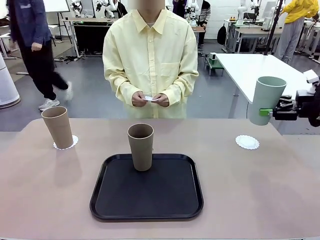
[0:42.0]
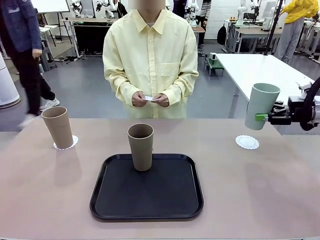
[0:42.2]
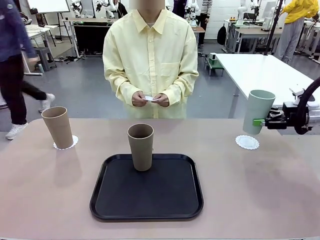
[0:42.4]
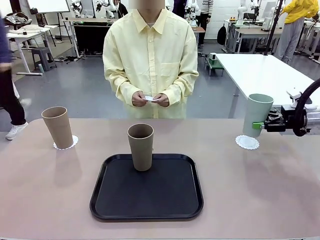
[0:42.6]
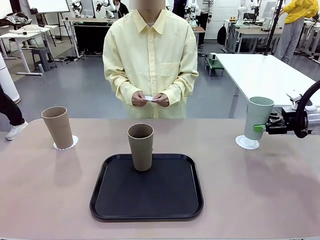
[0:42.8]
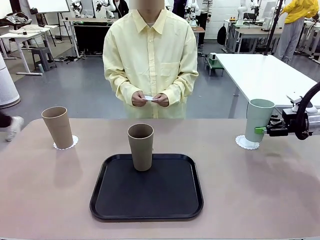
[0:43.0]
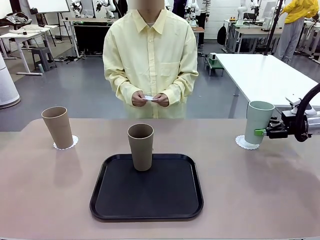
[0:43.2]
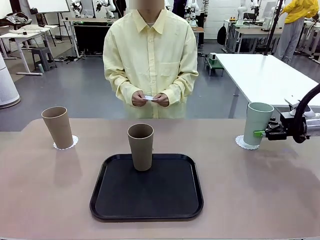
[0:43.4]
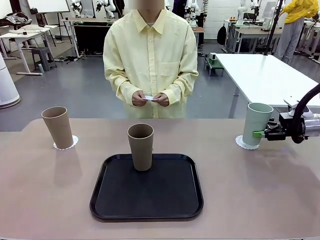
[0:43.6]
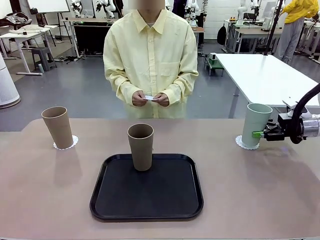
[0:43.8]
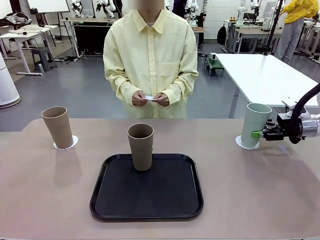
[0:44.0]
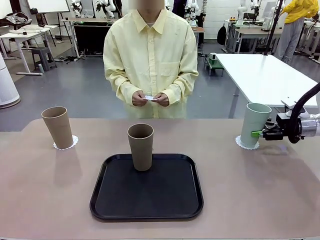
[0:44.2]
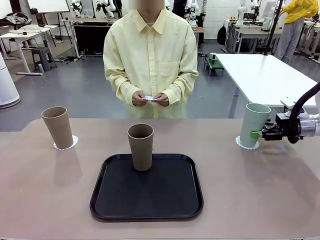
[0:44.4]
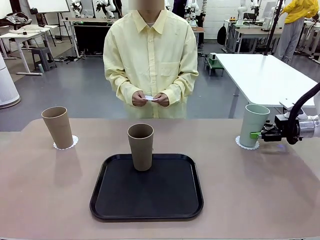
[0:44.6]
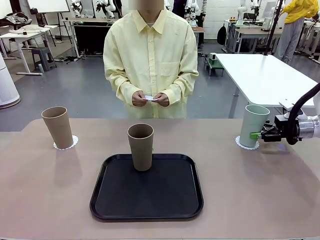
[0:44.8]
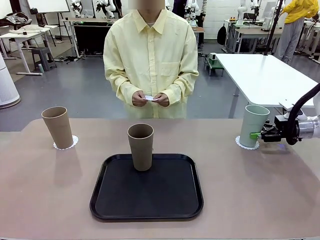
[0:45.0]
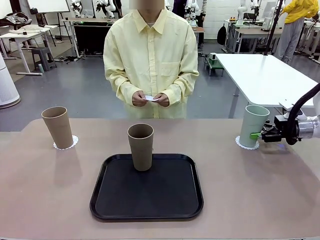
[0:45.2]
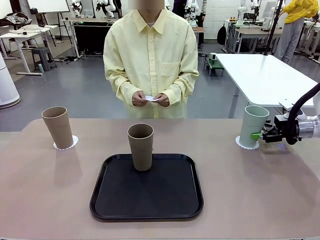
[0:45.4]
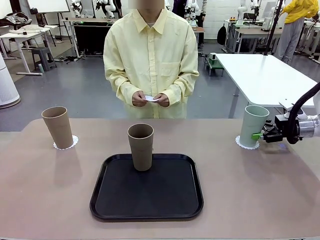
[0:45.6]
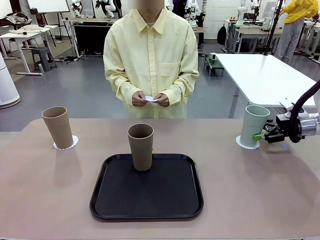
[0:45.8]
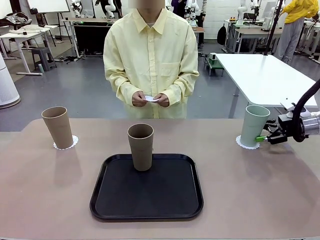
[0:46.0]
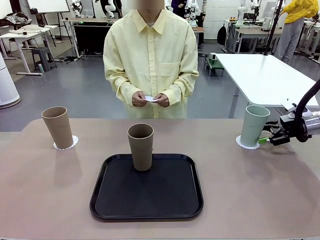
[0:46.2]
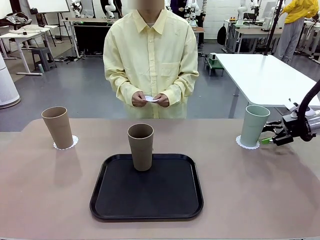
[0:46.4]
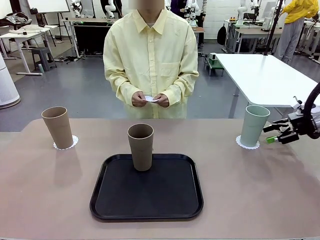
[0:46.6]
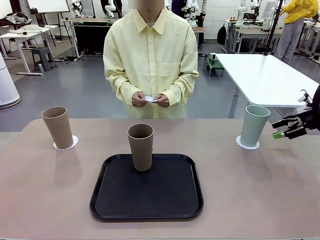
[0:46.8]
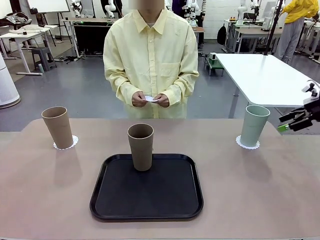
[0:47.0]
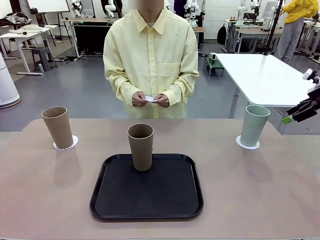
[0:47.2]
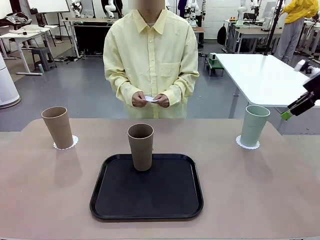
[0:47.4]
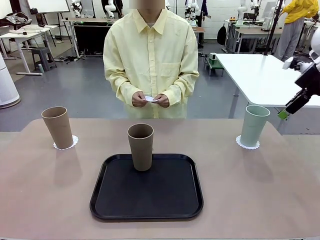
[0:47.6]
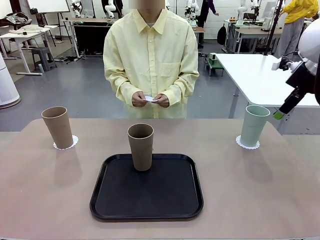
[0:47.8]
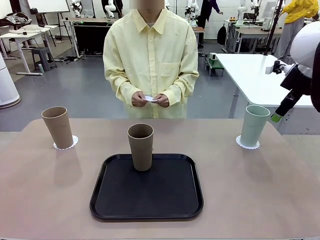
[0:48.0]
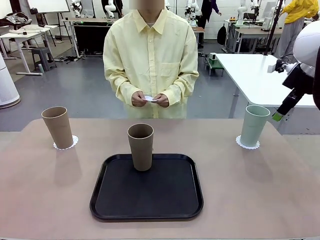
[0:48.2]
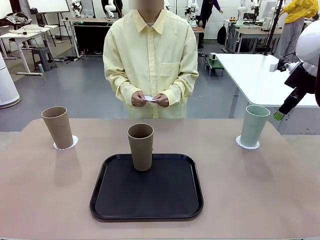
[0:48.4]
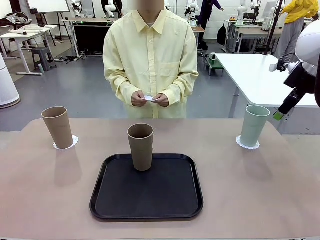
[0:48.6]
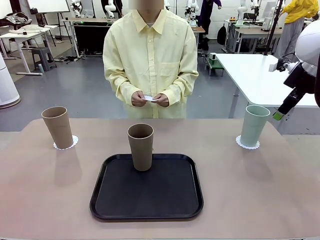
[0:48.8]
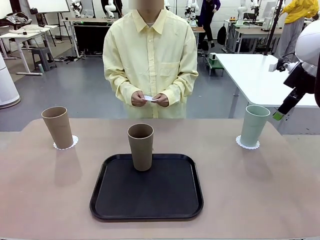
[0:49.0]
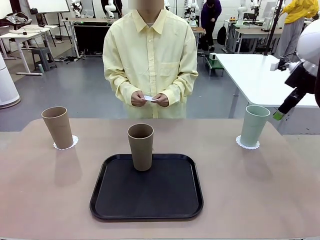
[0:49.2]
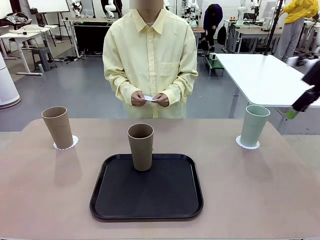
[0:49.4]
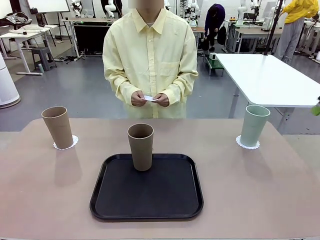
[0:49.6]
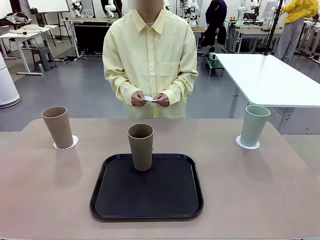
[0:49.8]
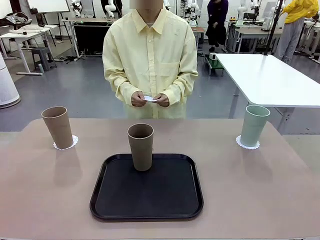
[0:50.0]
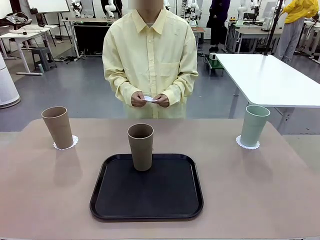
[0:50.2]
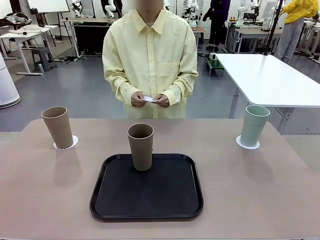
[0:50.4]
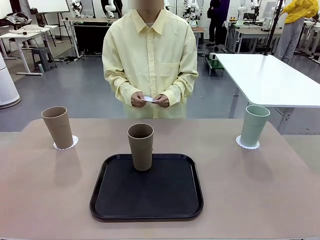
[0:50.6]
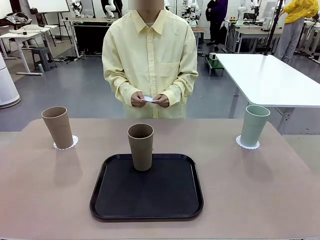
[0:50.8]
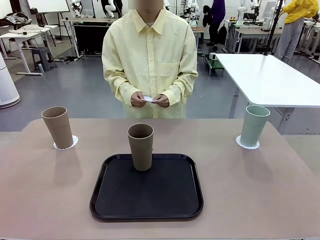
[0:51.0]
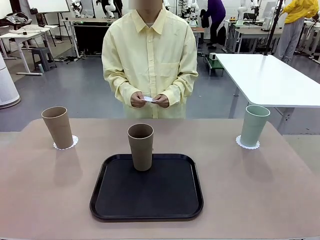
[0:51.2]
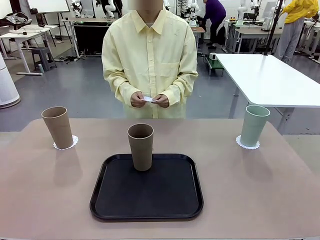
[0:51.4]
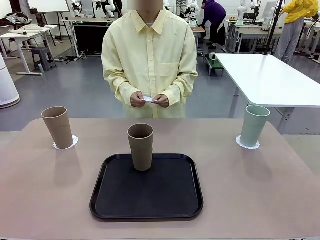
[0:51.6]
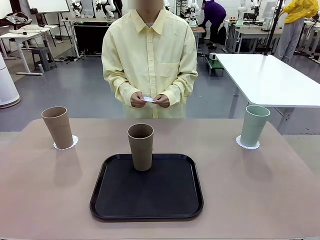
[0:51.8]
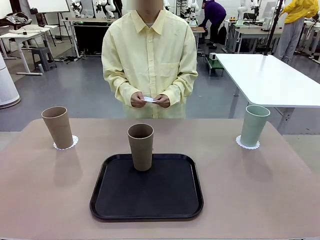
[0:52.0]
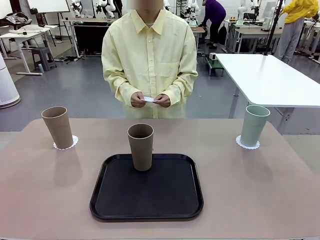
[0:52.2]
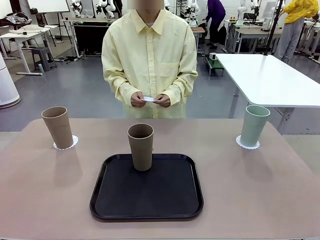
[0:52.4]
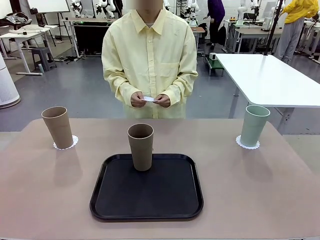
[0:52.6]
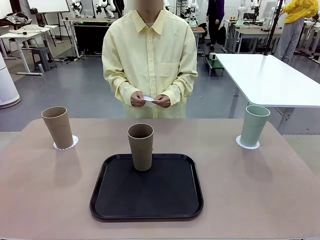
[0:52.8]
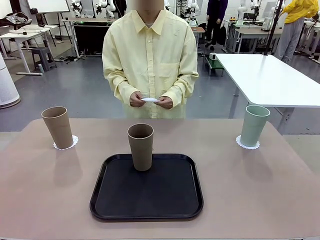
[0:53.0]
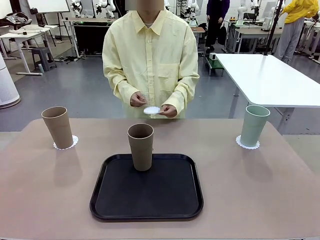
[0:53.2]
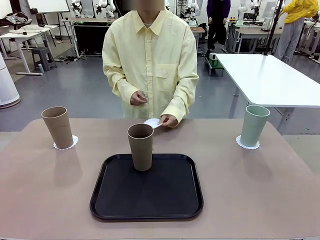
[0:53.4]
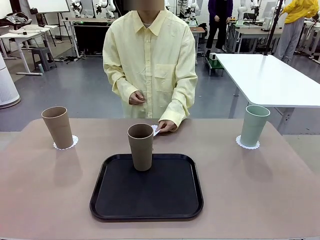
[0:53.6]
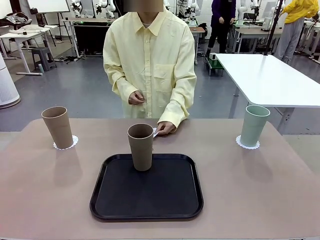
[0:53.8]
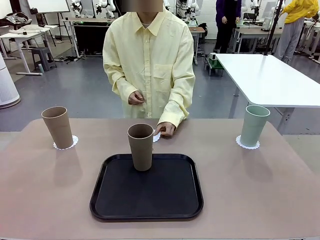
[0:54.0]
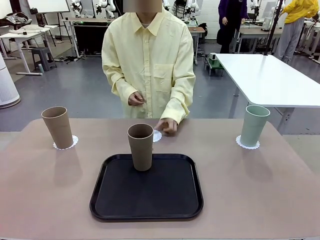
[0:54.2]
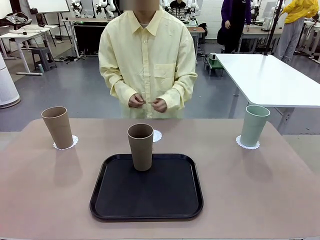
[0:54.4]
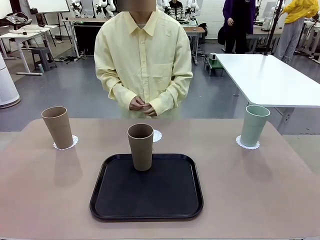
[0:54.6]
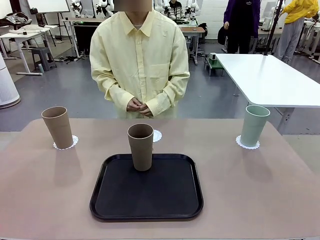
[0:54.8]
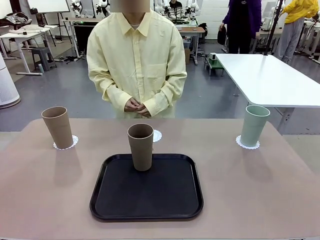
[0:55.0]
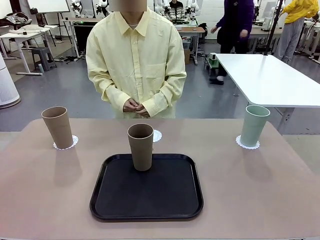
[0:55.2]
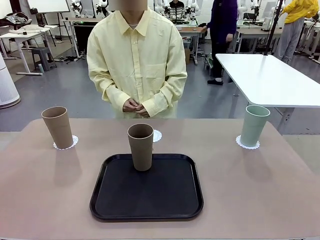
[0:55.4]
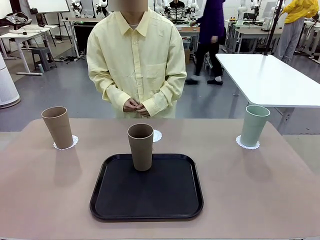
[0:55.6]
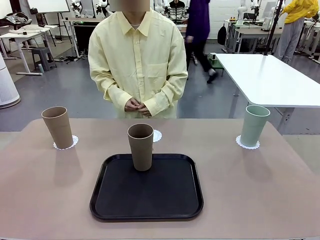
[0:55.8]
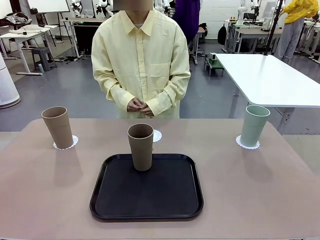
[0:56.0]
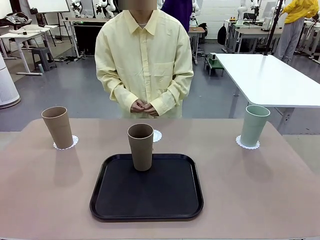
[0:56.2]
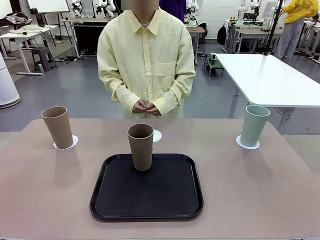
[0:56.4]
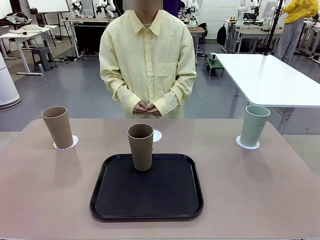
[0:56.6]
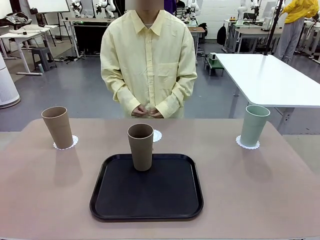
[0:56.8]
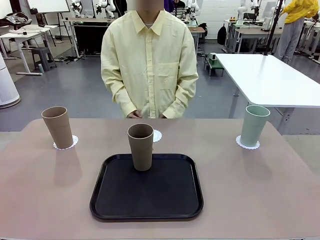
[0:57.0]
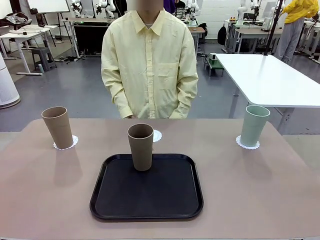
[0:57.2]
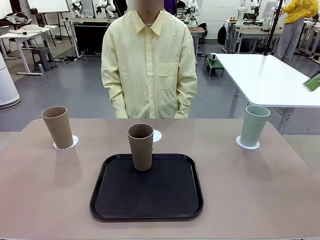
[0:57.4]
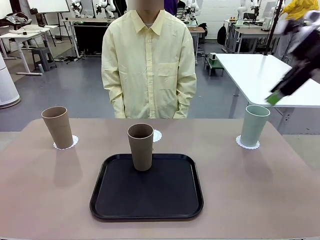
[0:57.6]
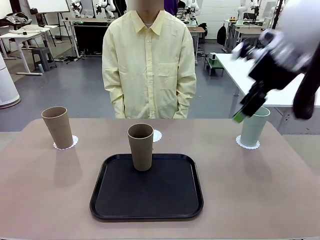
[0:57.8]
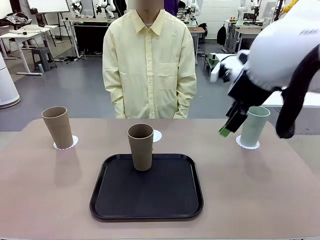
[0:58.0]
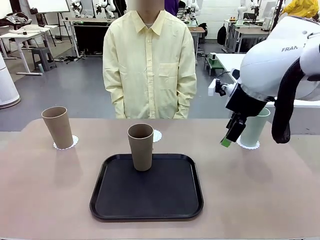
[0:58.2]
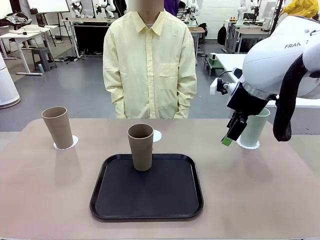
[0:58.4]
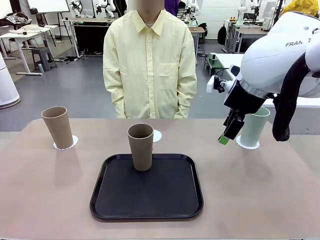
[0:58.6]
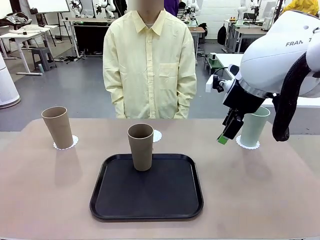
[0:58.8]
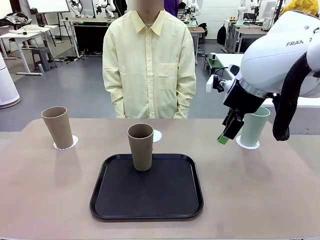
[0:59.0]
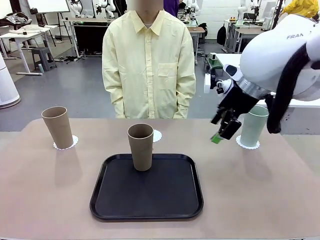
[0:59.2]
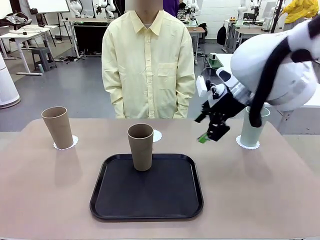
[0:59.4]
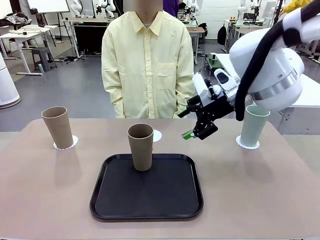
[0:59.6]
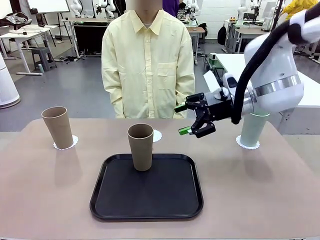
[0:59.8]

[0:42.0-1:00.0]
Task: Place coasters on the table and set cups on them.
Robot: Take one Reusable plastic cup from the Flat Tray and place it on a coaster set by the human.
